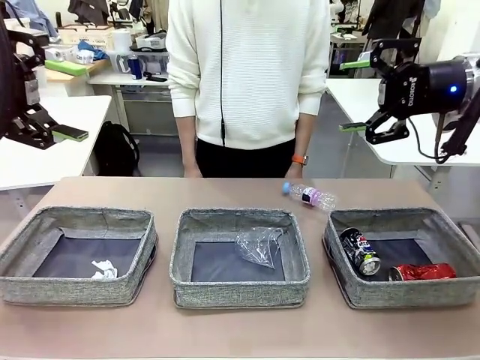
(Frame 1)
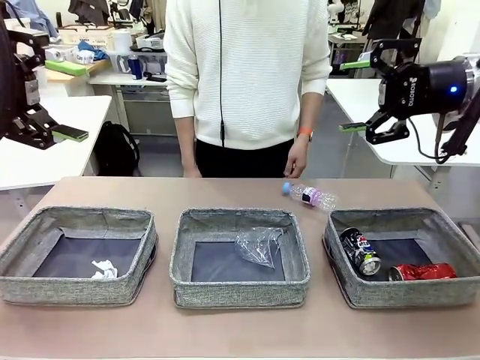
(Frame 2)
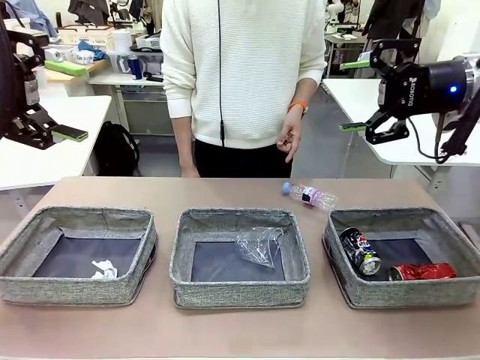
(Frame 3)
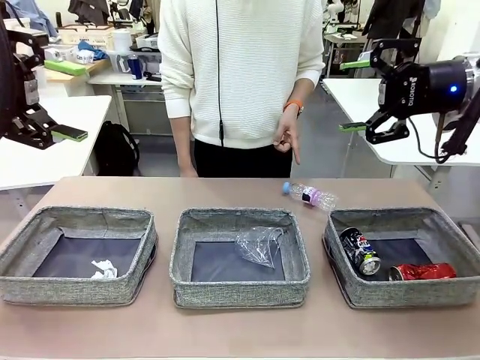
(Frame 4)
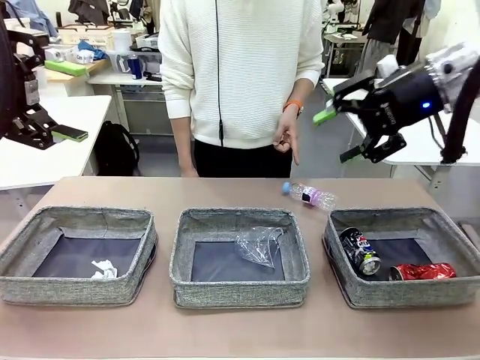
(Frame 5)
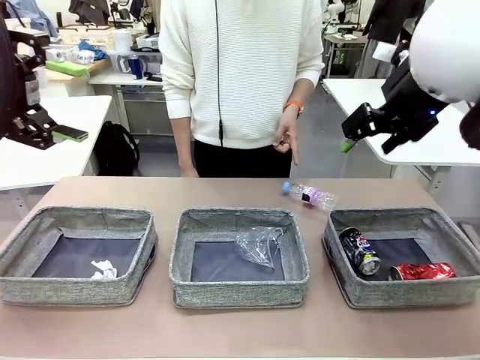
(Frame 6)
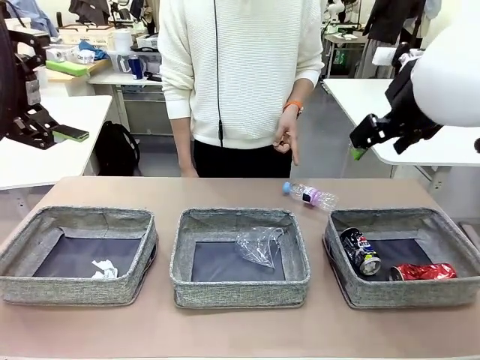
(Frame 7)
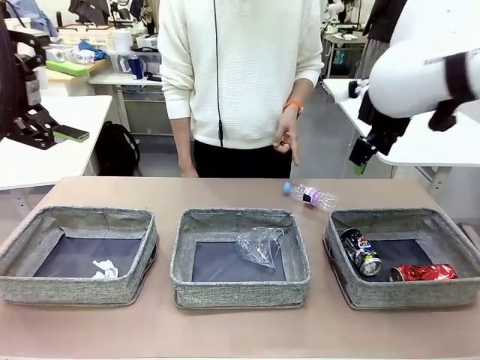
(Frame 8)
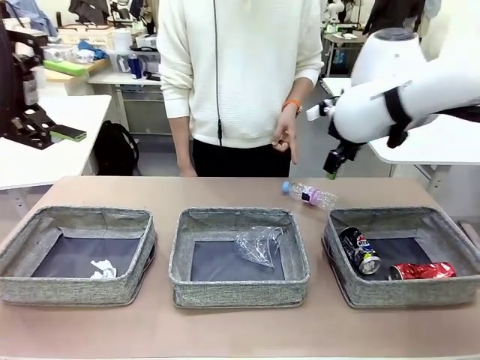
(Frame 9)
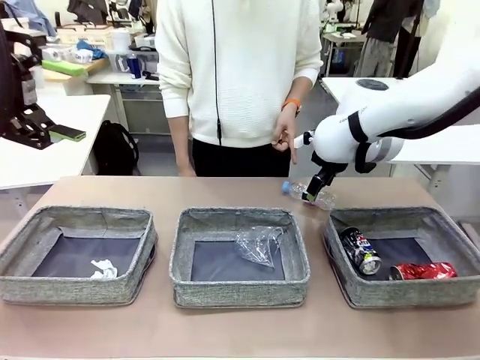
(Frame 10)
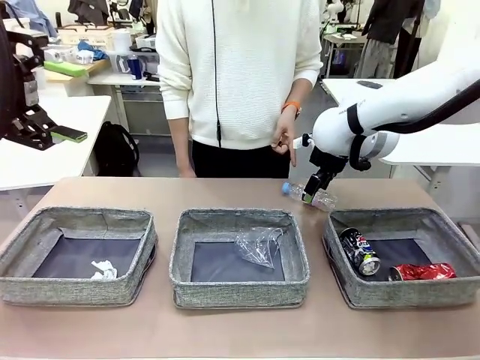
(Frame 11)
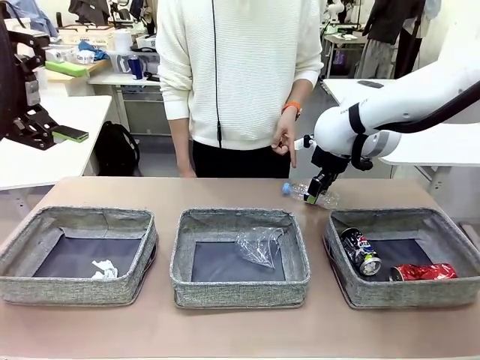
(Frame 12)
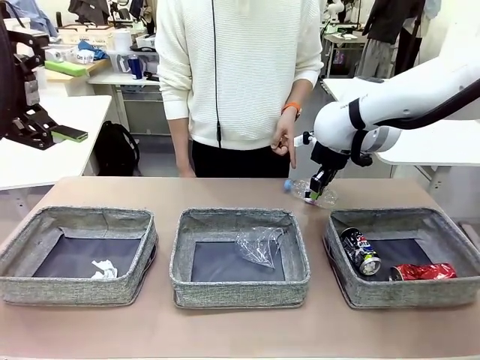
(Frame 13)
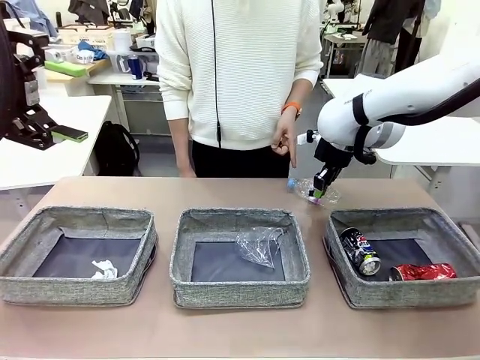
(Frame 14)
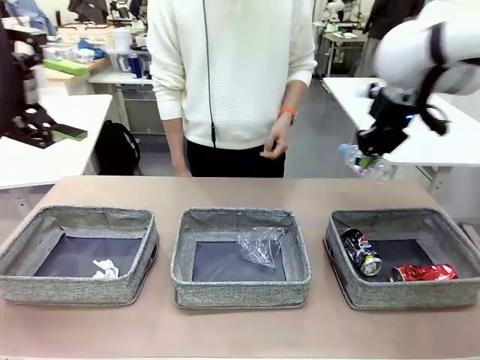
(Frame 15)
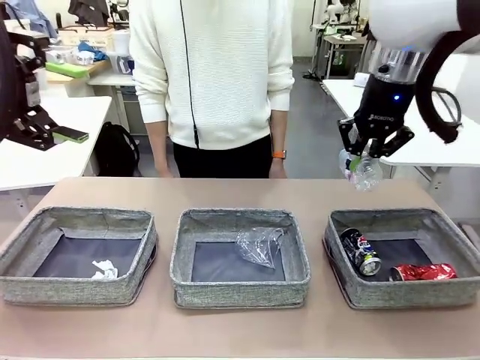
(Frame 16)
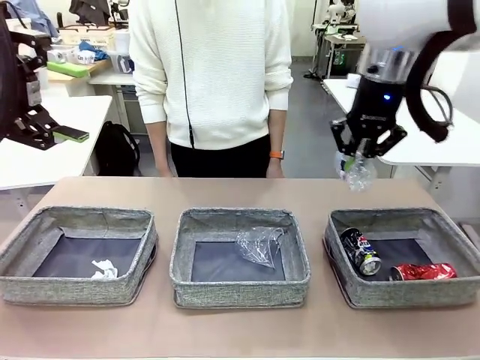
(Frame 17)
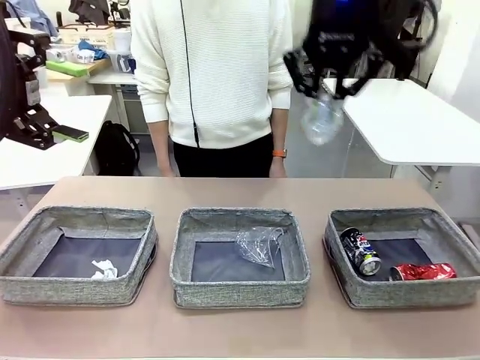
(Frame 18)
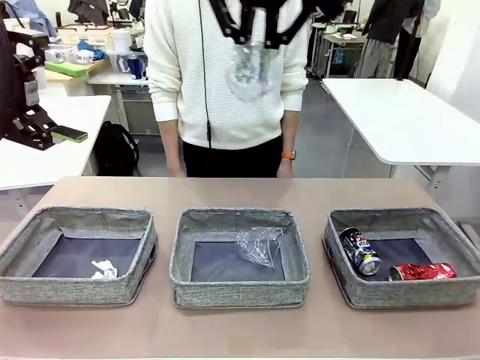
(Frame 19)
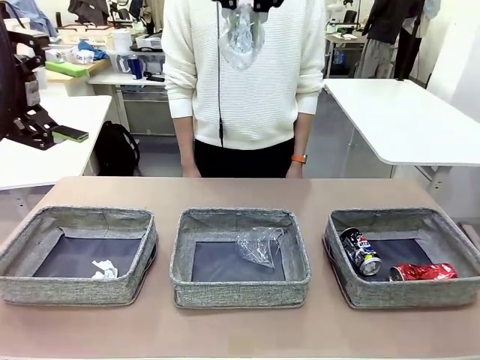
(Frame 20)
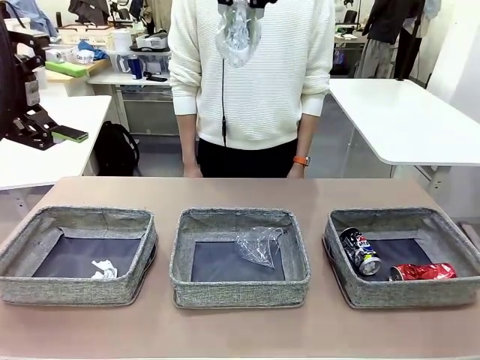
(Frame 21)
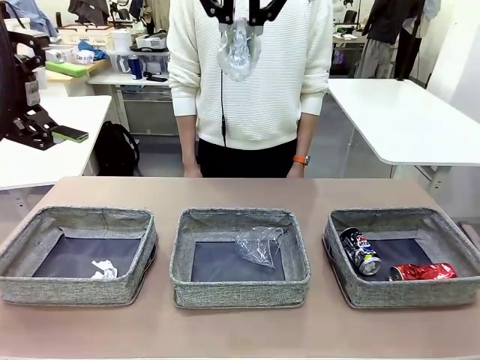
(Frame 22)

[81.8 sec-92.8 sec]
Task: Sort the waste into the appropriate baskets.
Robot: Pick up the waste item pointed out by the person.
Person: Points to one piece of trash on the table.

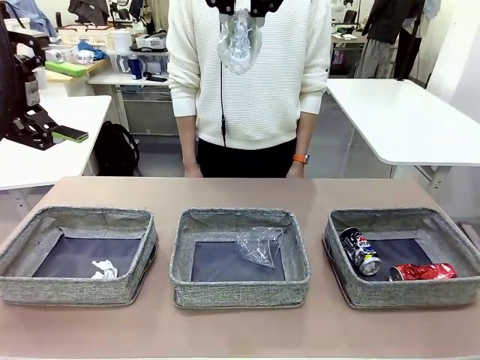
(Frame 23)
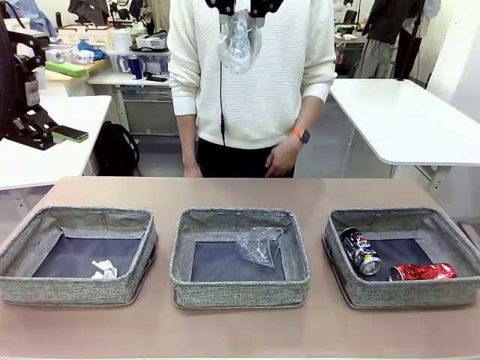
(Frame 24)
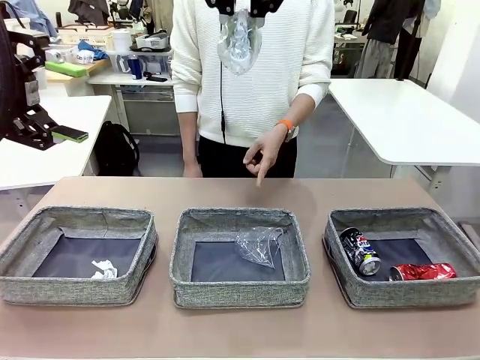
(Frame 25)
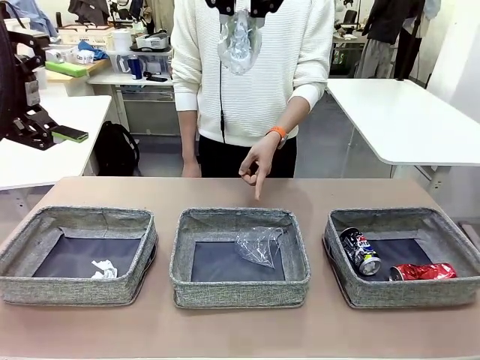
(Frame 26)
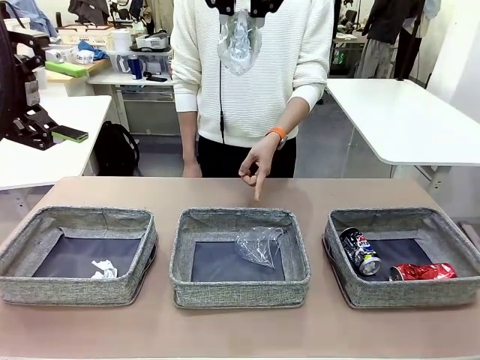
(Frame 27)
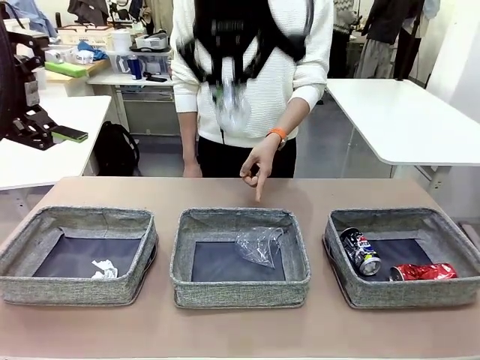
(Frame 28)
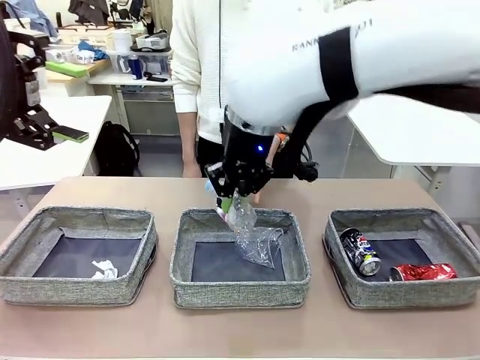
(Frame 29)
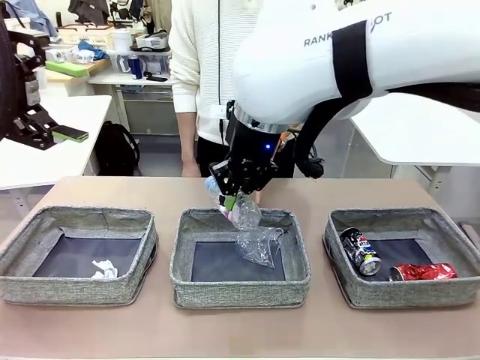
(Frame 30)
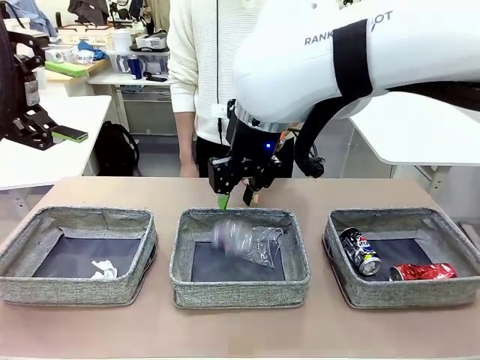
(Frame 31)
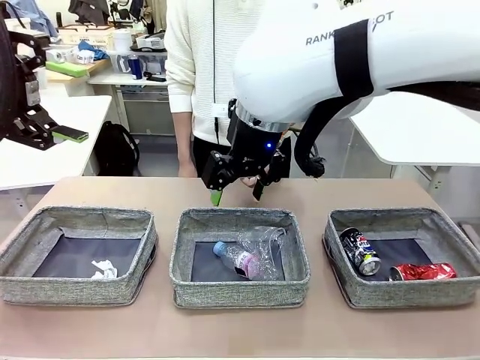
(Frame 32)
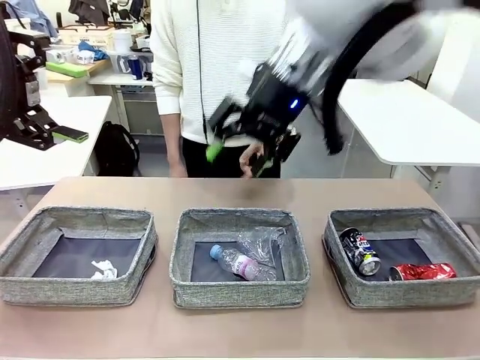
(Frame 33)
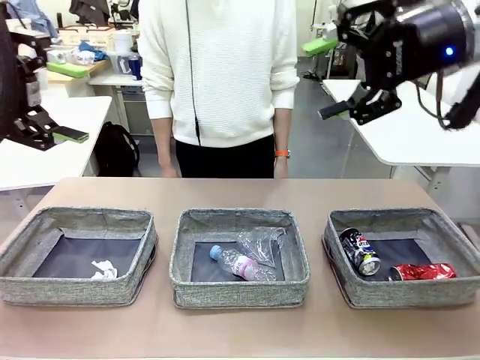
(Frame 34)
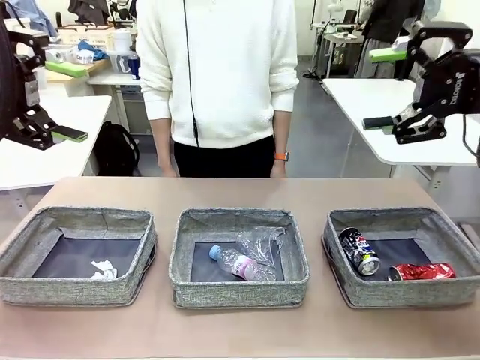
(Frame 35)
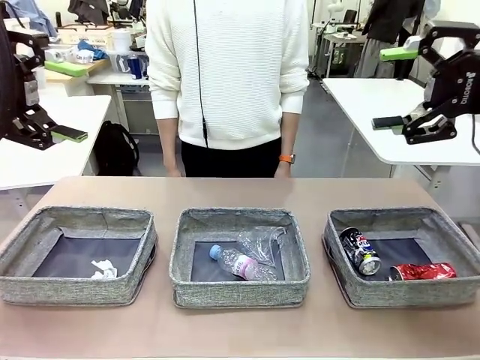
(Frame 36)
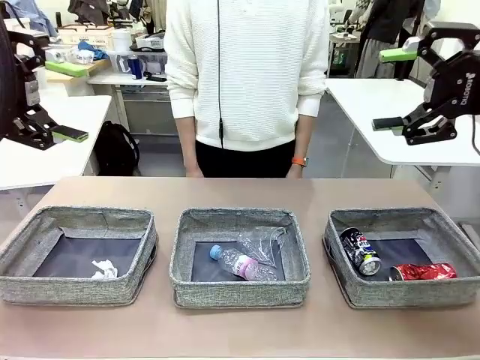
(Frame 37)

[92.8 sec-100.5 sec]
Robot: Place the picked waste into the Fabric basket indicated by the person.
Person: Instructs the robot to place the picked-up trash into the appropriate organizing basket.

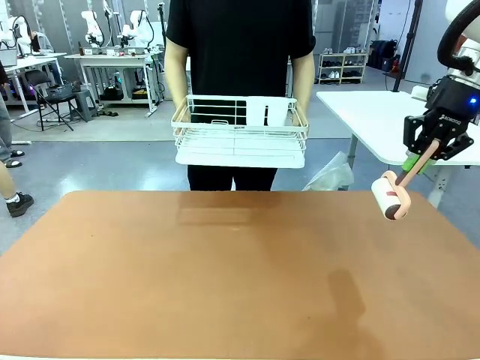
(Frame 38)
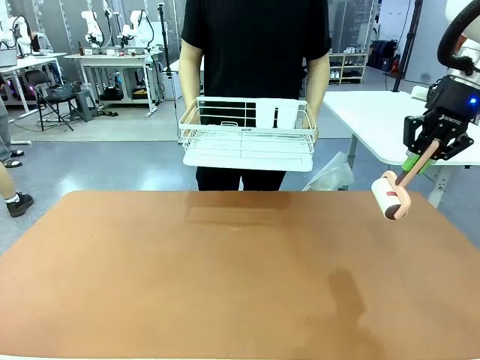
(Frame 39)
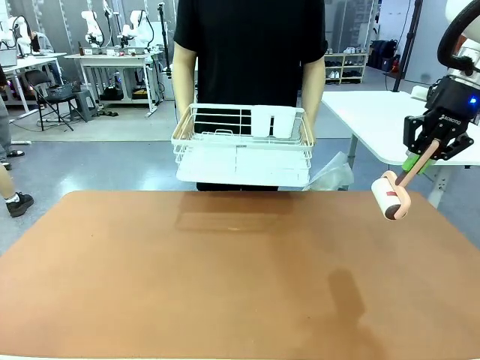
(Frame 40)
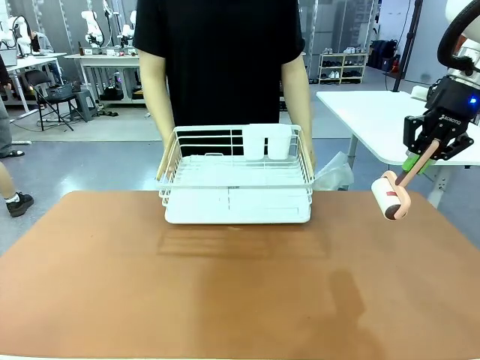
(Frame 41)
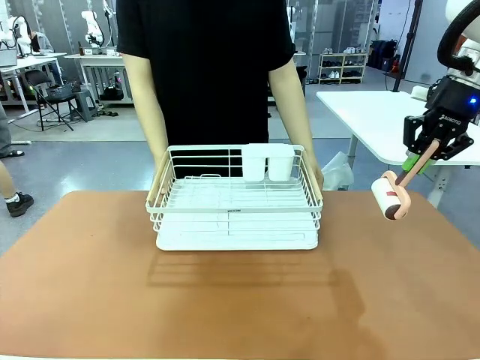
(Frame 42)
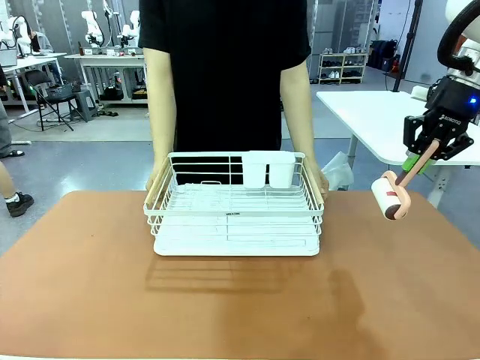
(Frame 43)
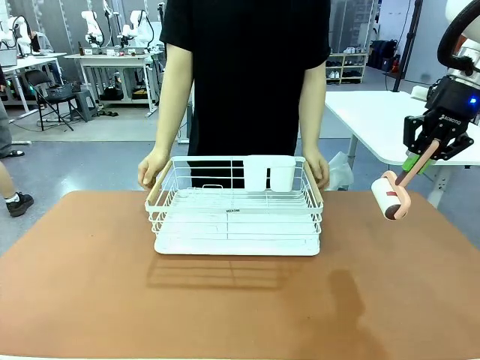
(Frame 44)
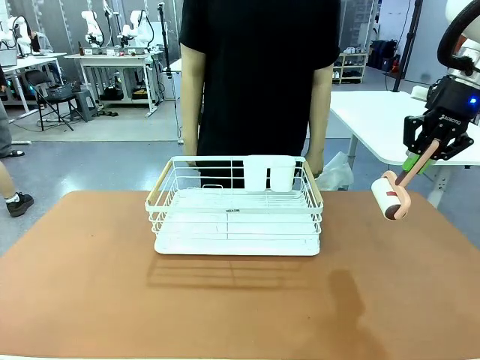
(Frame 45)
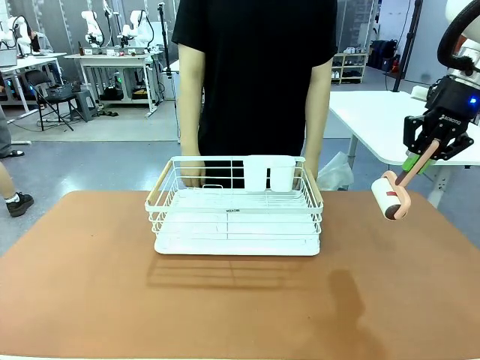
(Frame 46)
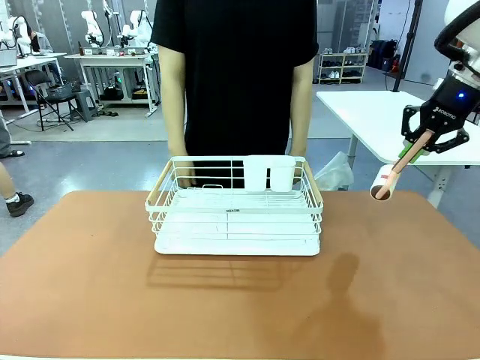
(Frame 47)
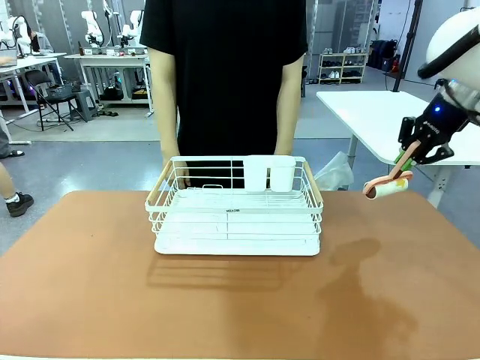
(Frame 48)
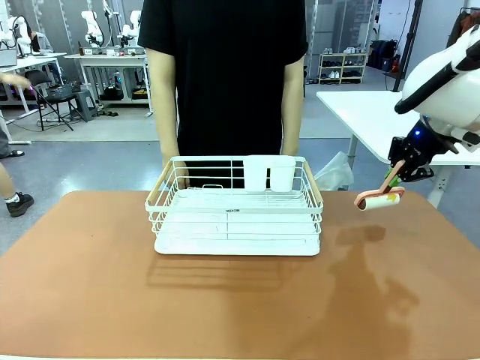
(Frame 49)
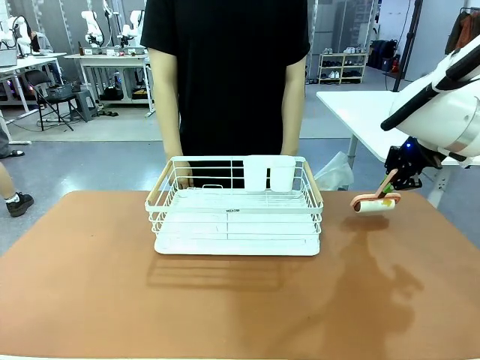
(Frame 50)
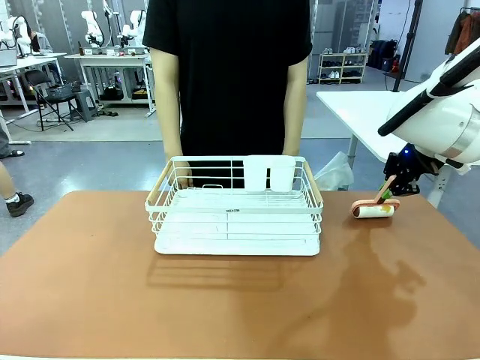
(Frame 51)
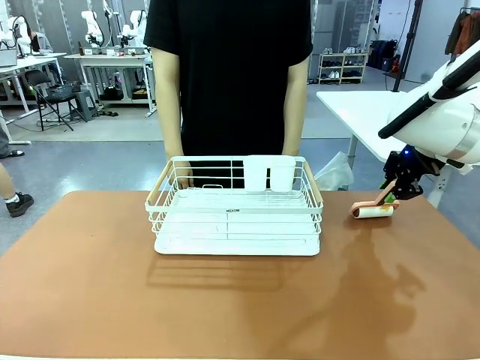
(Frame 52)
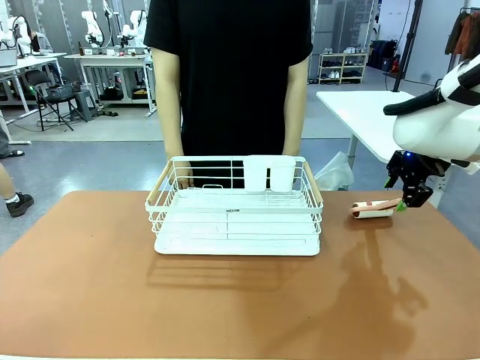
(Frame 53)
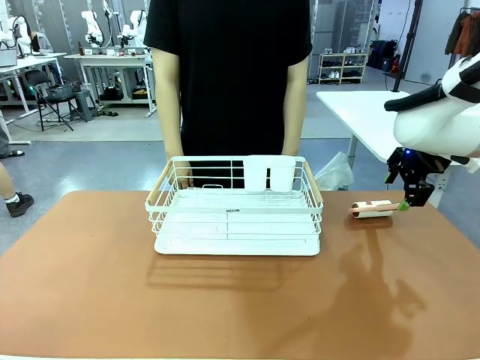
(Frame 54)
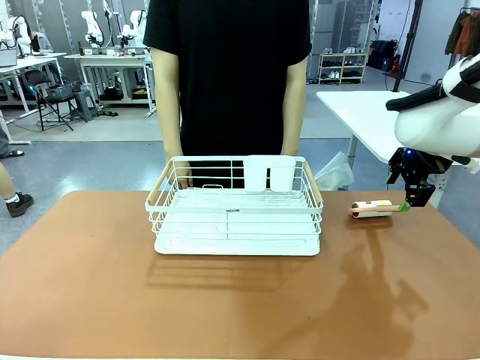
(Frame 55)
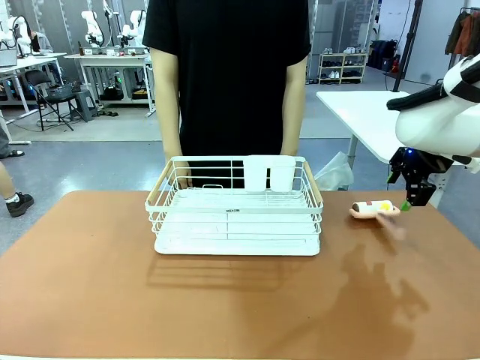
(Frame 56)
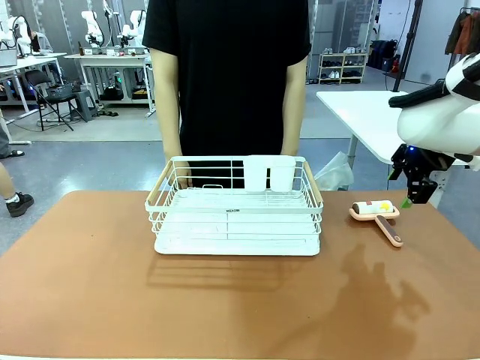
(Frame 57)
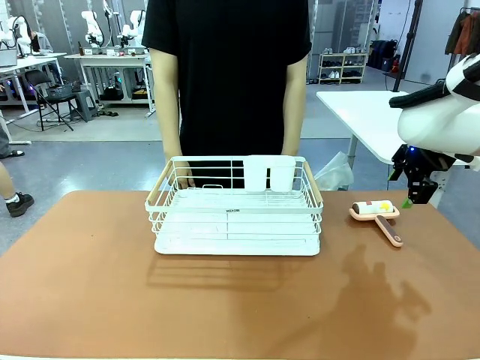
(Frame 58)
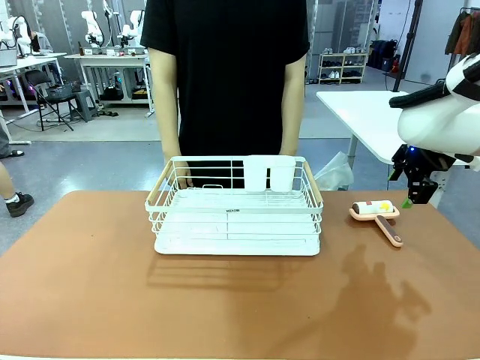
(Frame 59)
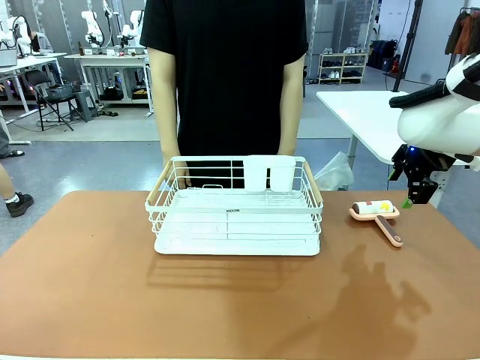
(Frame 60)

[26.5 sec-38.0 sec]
Task: Clean the table.
Robot: Place the Lint Roller down when the Dish drying rack is positioned in the middle of the table.
Person: Place the Dish drying rack down when the robot finishes cleaning.
